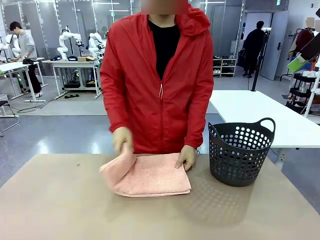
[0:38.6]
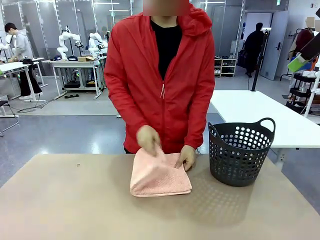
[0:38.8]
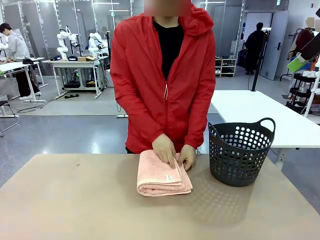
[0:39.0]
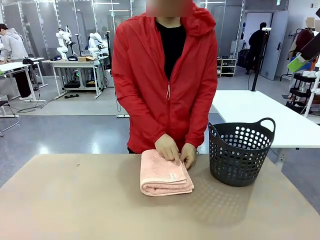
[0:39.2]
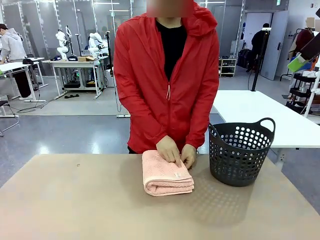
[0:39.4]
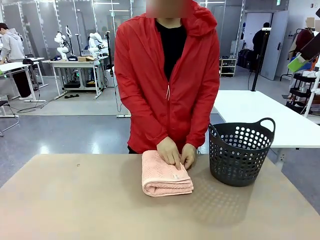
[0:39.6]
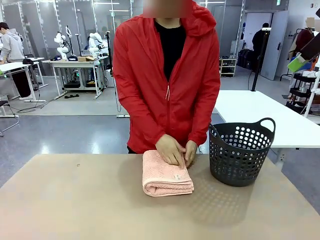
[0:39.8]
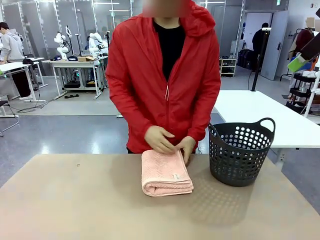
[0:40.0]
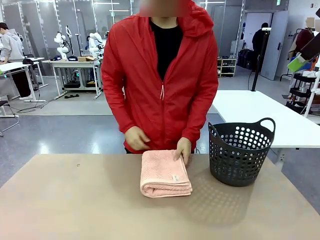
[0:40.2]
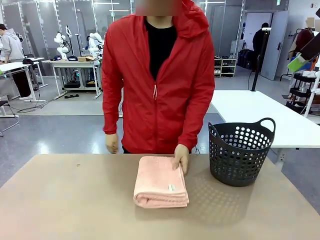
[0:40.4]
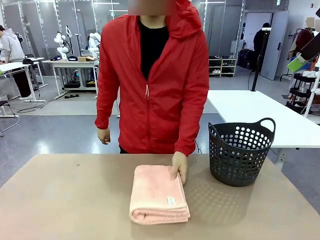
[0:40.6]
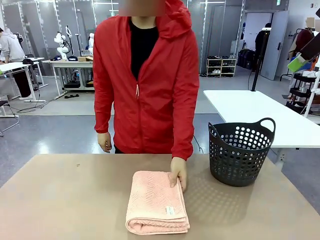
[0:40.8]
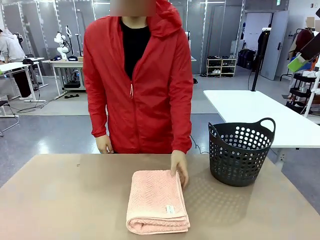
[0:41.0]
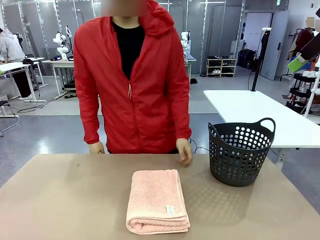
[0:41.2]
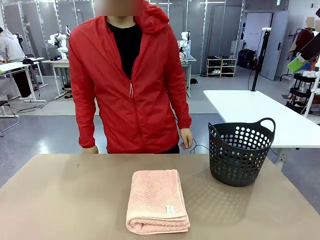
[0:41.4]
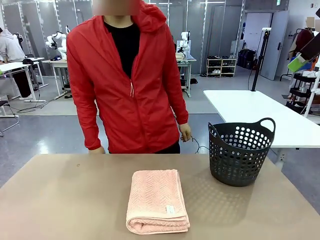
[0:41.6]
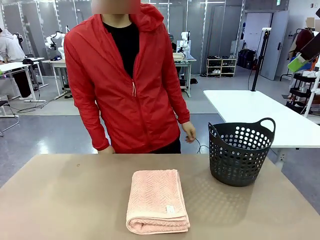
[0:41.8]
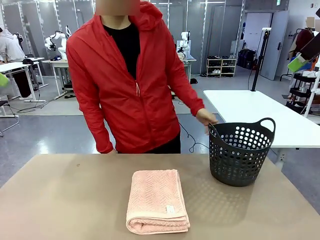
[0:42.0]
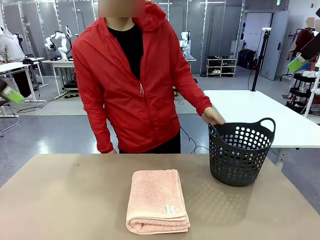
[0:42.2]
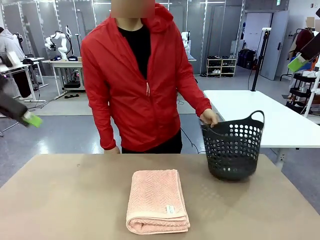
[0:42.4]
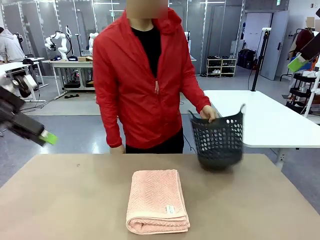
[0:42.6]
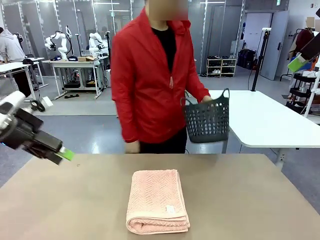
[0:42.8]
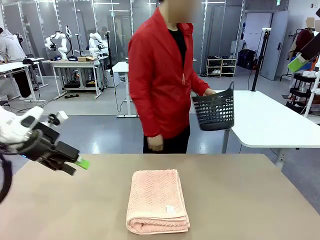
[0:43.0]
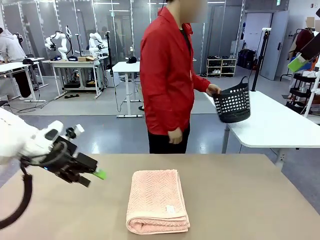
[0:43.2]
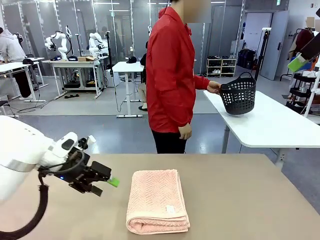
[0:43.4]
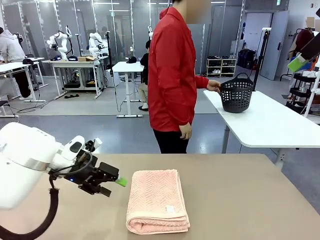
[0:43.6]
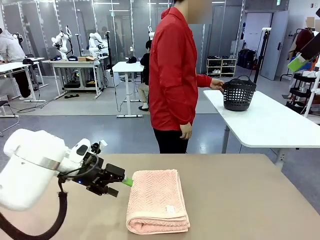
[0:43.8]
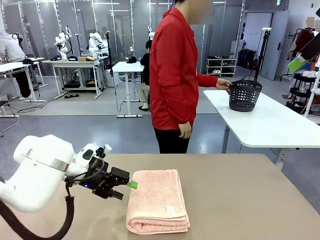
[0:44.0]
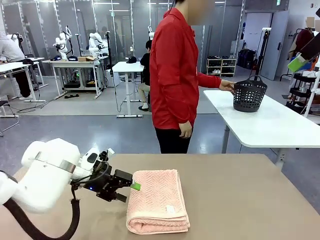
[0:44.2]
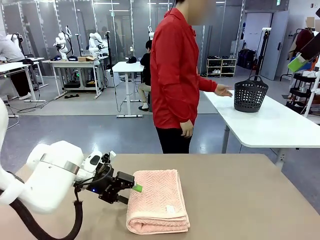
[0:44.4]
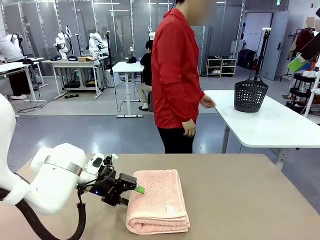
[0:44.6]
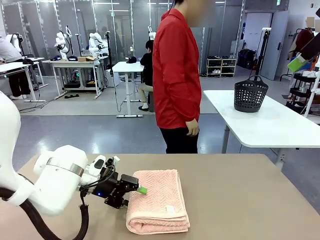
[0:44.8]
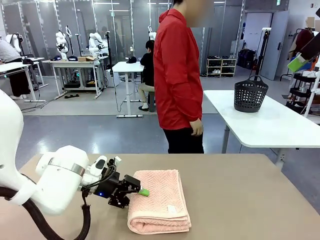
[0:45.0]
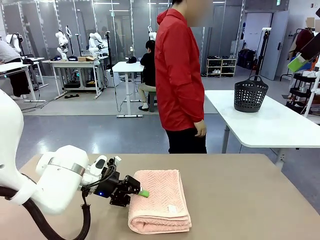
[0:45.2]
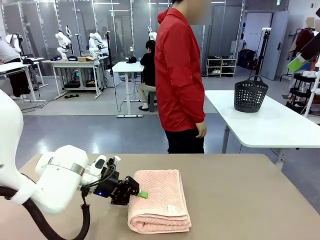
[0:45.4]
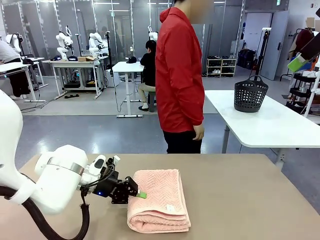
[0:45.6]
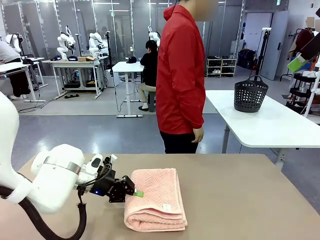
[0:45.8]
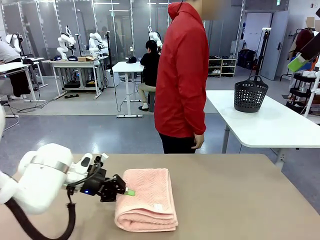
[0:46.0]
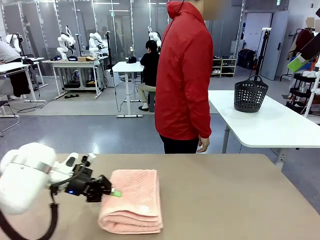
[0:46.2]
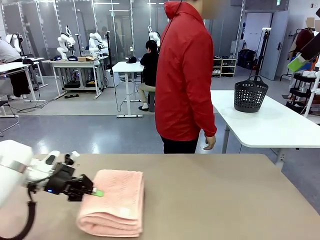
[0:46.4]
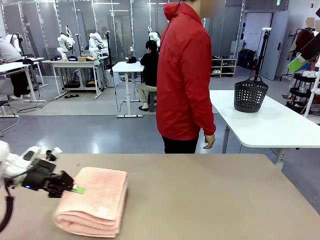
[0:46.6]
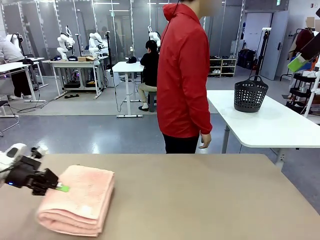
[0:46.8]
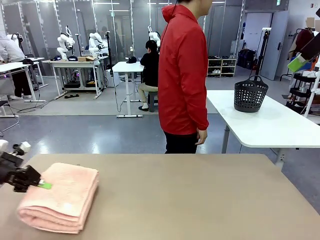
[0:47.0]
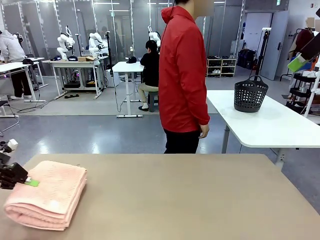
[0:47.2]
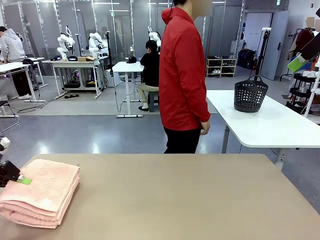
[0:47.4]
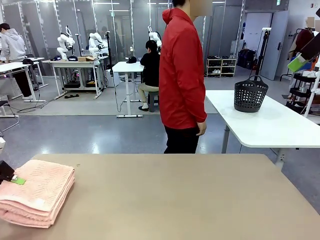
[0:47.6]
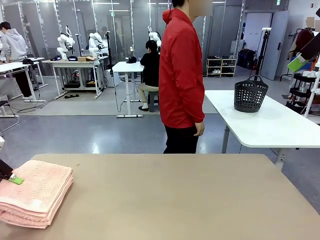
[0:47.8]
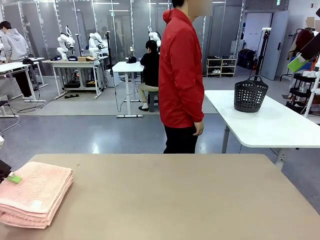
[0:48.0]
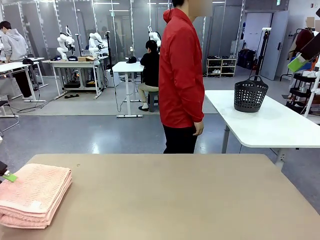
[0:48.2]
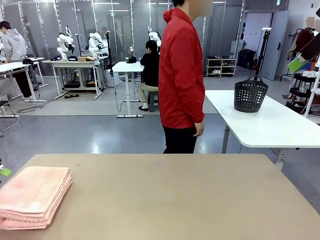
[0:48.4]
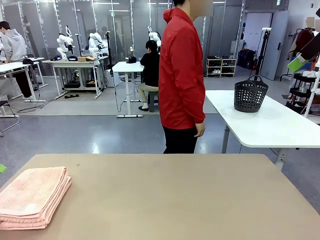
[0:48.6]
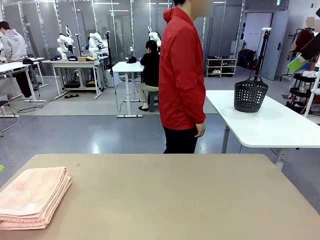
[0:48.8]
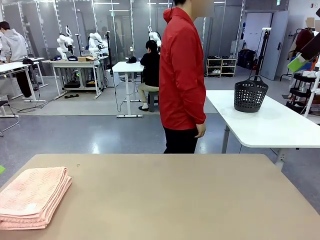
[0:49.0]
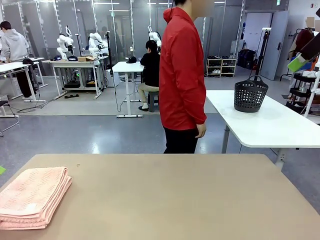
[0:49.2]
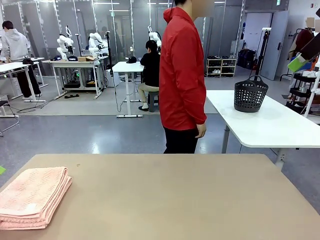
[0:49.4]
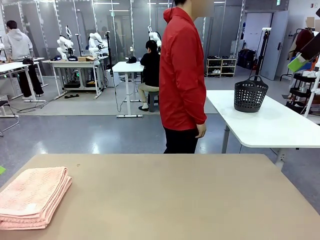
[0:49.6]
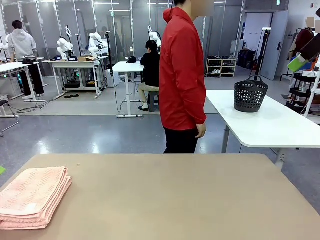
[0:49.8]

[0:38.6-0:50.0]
Task: Fold the towel.
Robot: Pick up the 100 cm Hotel Towel and place it on the left side of the table.
Person: Pick up the laundry basket and place it at the center of the human table.

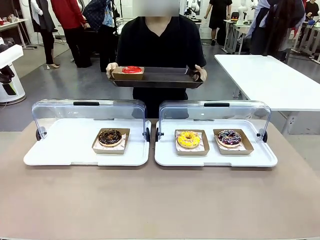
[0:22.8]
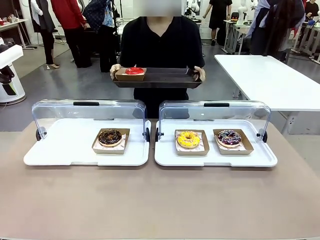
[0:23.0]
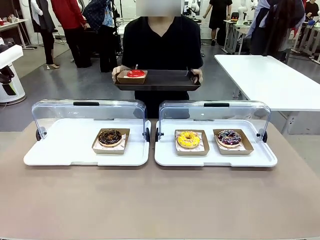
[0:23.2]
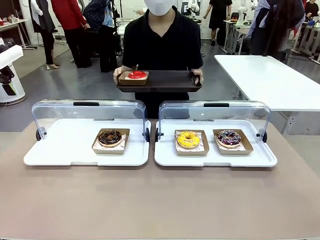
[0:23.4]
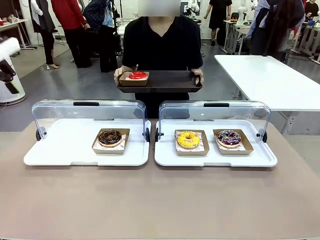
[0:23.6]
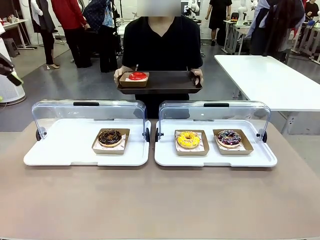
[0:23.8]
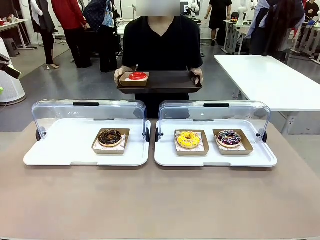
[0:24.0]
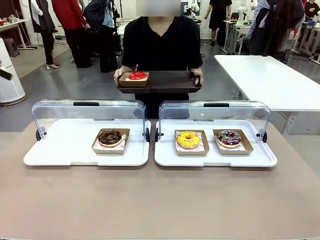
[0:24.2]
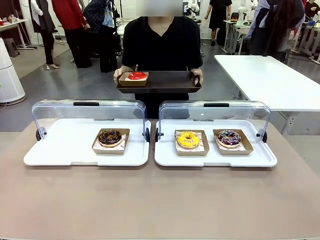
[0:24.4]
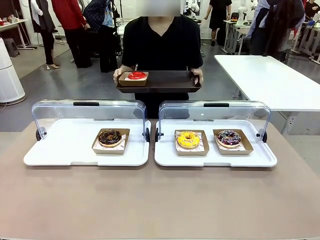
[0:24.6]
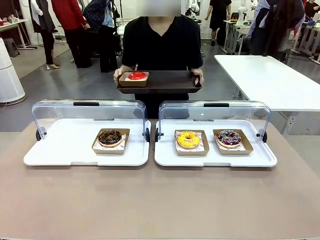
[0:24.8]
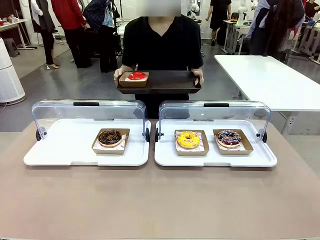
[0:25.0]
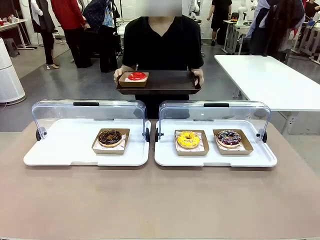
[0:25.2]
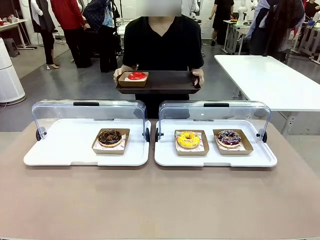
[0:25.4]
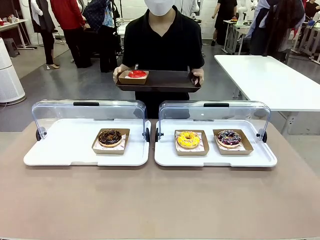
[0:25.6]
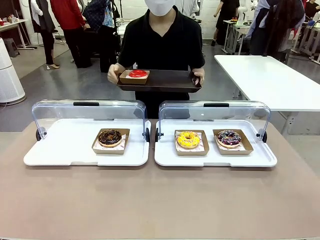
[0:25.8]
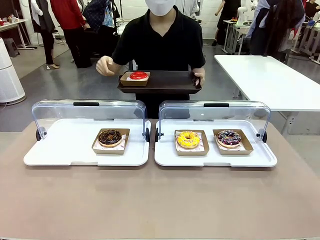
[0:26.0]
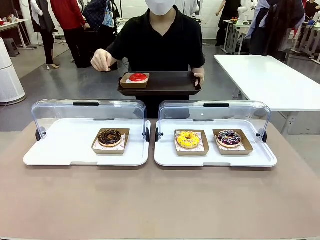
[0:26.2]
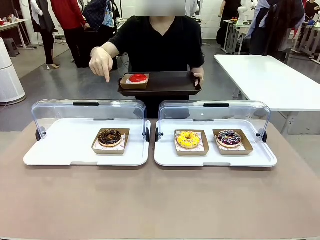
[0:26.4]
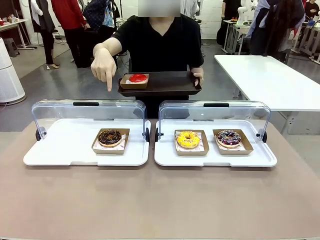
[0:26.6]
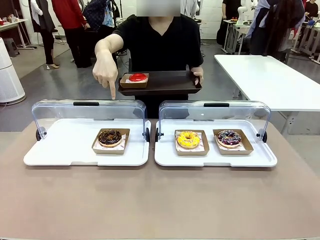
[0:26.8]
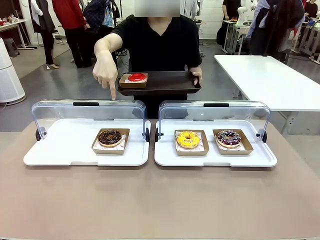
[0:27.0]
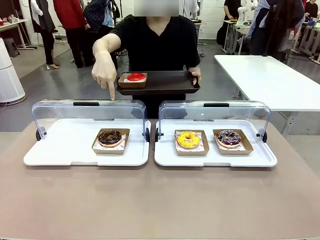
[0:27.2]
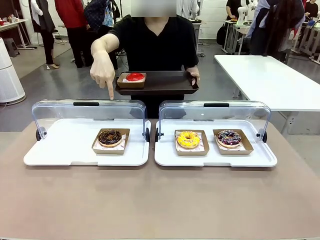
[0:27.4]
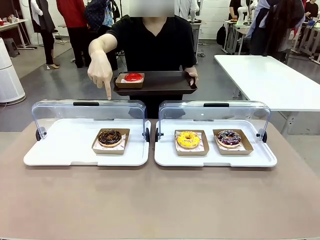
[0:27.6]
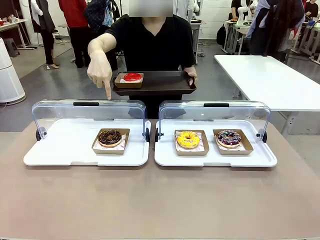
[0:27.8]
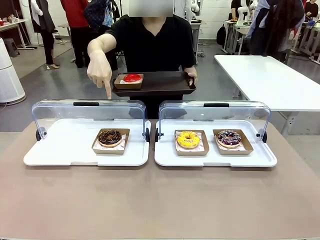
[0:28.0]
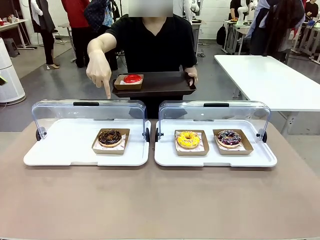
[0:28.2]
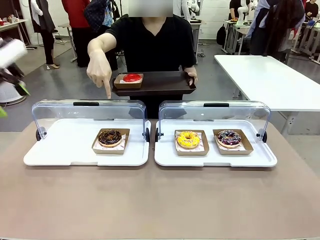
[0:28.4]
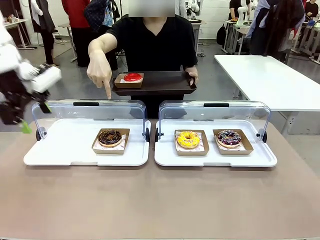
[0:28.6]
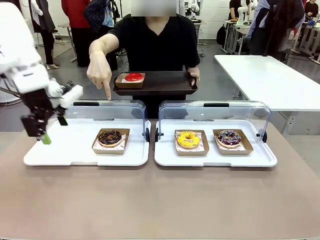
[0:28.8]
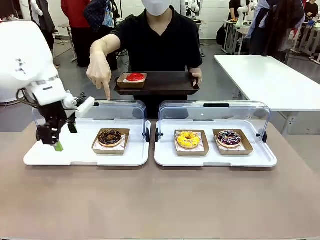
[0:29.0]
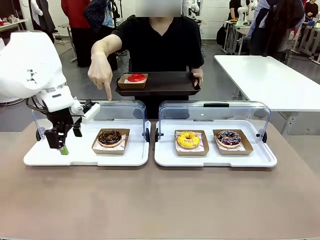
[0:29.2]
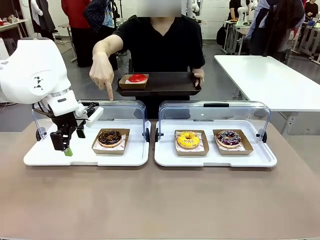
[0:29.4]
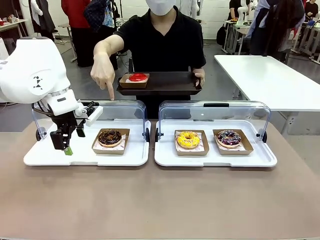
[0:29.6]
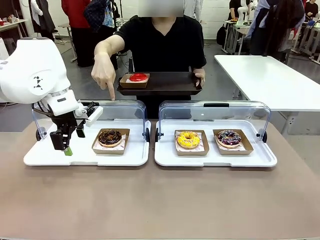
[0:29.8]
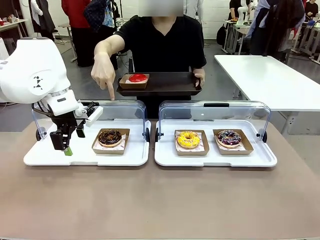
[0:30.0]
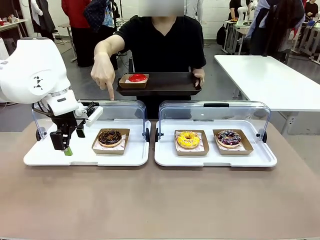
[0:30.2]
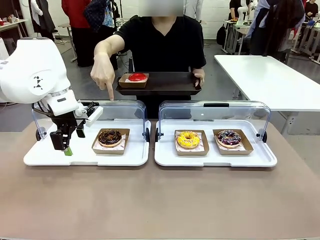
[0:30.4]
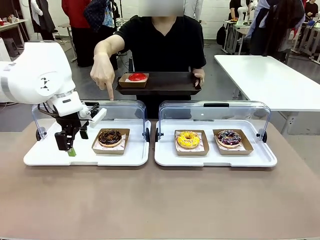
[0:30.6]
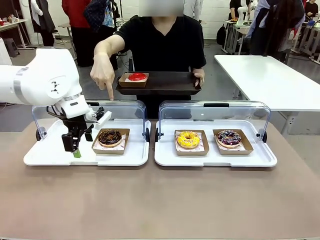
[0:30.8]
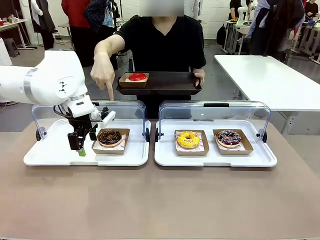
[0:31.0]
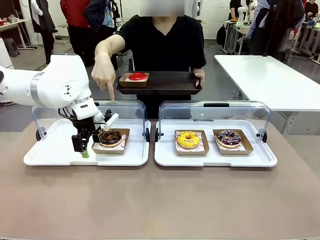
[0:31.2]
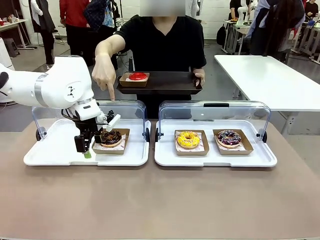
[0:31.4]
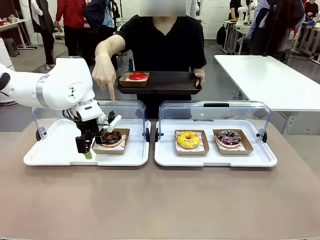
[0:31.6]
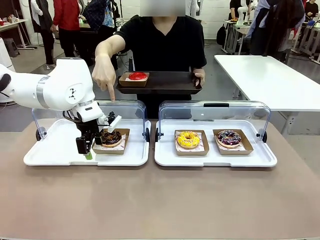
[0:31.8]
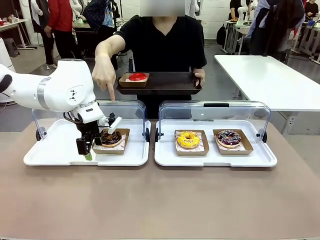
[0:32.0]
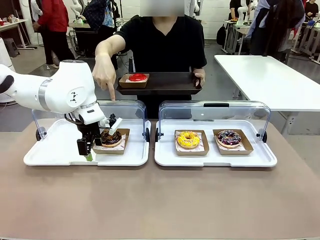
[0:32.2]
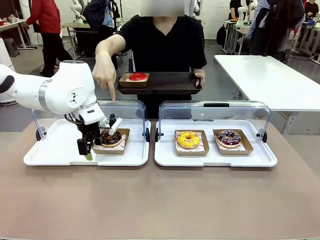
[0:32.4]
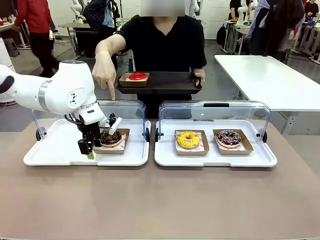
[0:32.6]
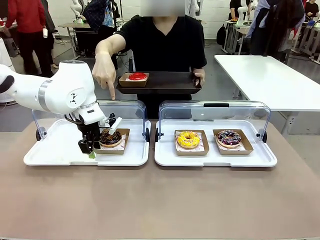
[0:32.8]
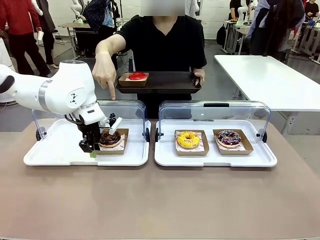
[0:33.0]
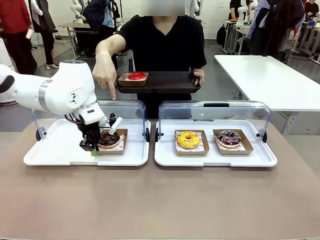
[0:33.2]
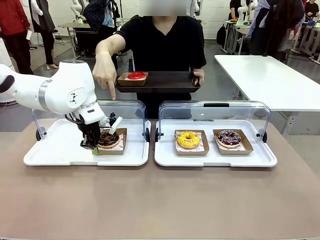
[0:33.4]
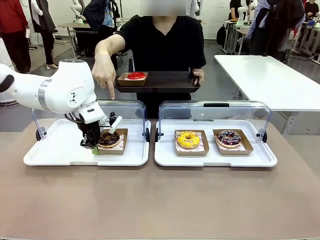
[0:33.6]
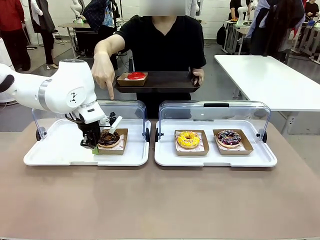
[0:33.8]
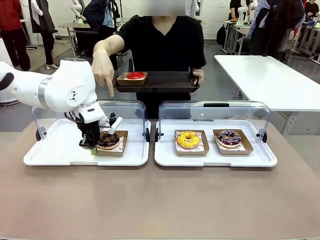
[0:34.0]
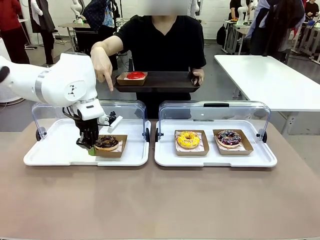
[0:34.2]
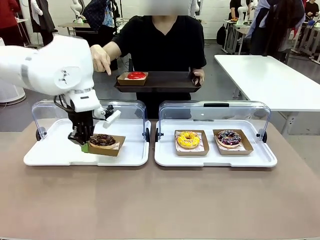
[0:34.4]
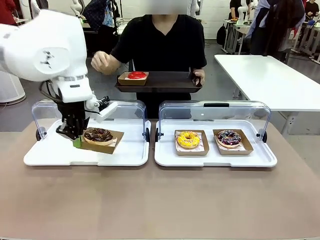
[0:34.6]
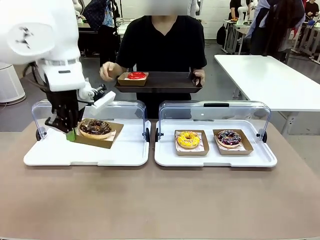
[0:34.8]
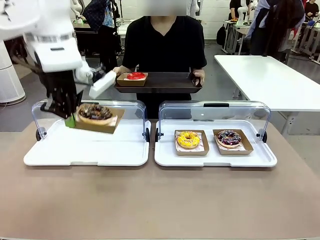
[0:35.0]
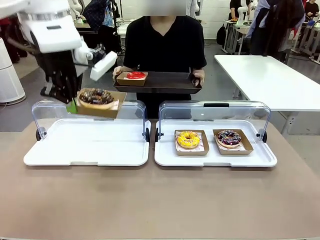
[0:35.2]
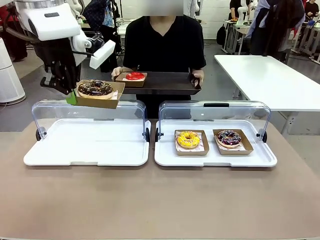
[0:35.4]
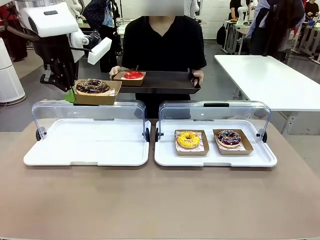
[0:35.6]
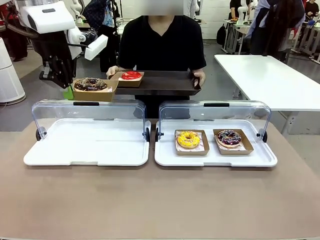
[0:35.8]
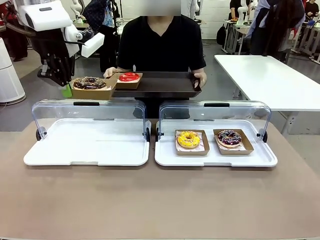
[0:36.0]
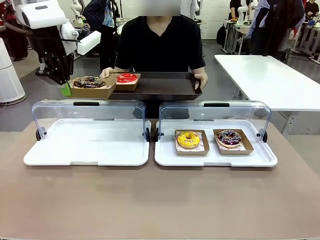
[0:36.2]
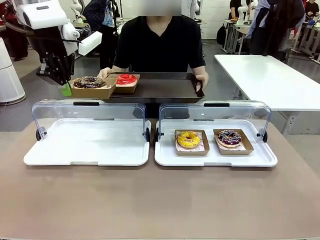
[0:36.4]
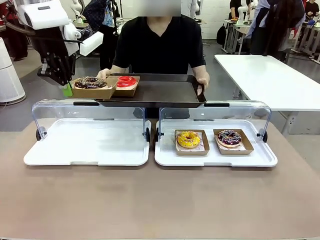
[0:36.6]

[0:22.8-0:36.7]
Task: Provide the desired donut to the person.
Robot: Pick up and lift the Paper togo box containing the Donut pointed at by the person.
Person: Point to one donut. Lift the tray onto the Roll-Top Bakery Case.
